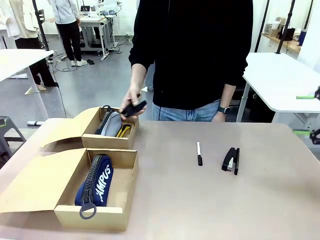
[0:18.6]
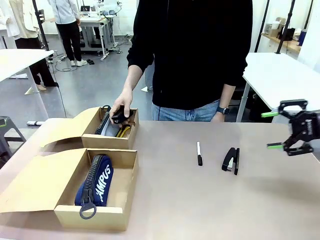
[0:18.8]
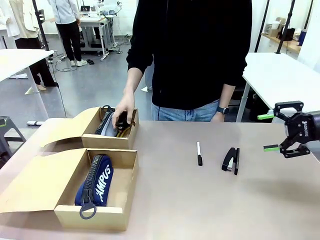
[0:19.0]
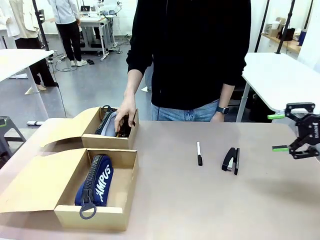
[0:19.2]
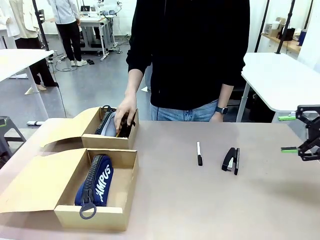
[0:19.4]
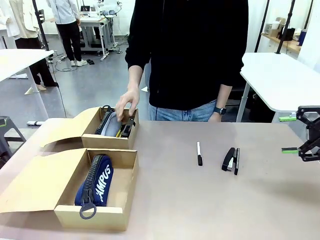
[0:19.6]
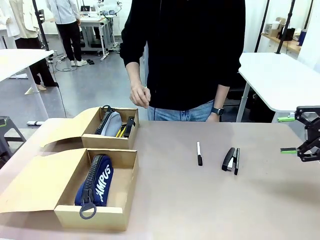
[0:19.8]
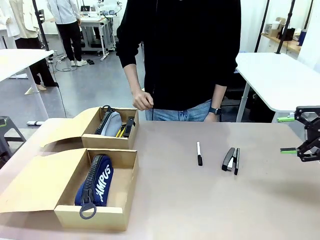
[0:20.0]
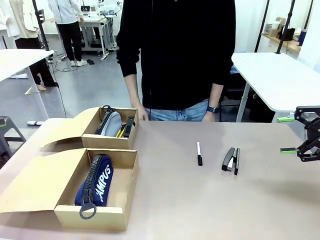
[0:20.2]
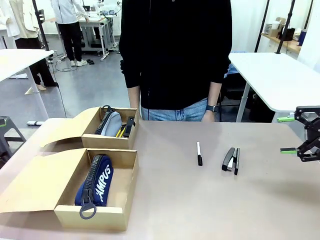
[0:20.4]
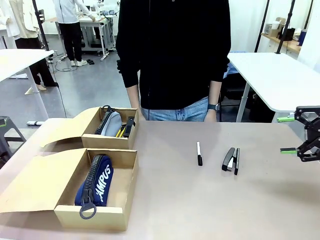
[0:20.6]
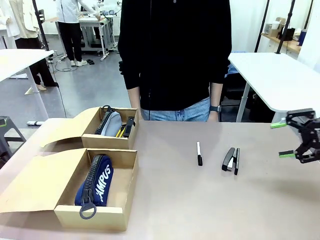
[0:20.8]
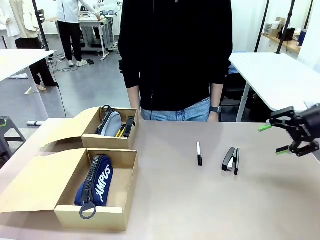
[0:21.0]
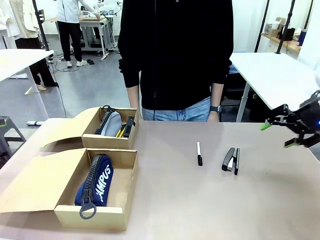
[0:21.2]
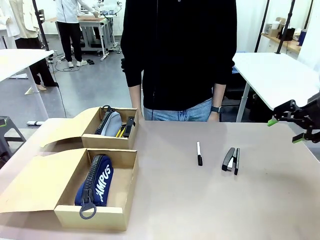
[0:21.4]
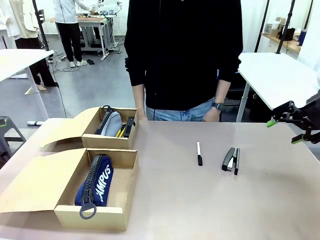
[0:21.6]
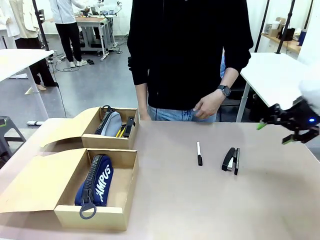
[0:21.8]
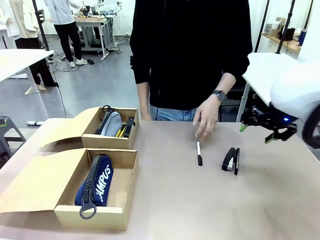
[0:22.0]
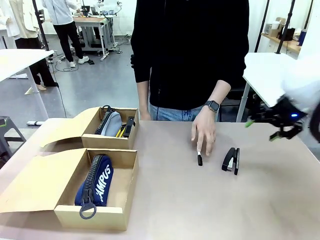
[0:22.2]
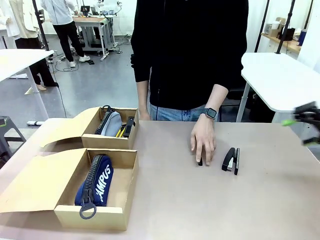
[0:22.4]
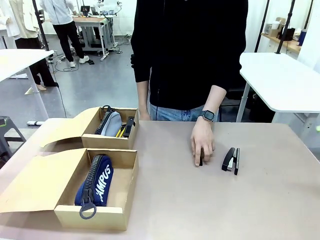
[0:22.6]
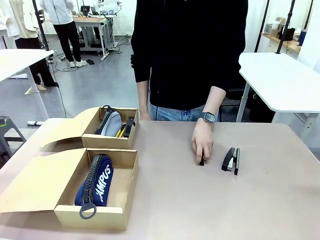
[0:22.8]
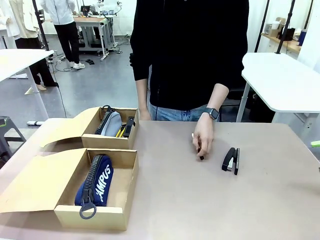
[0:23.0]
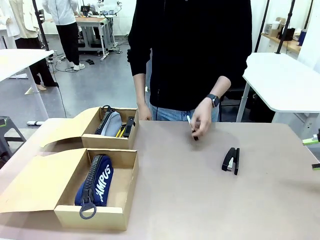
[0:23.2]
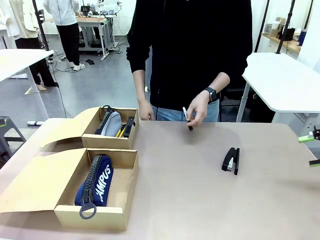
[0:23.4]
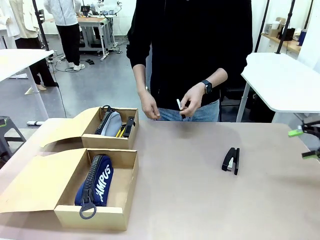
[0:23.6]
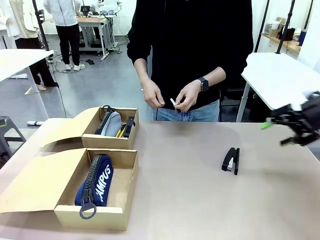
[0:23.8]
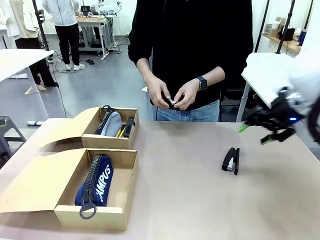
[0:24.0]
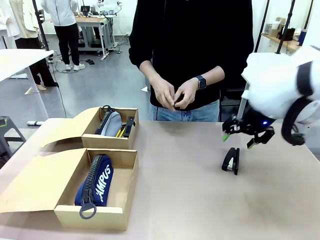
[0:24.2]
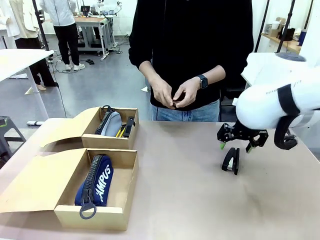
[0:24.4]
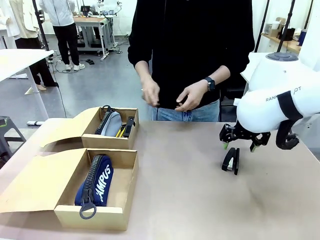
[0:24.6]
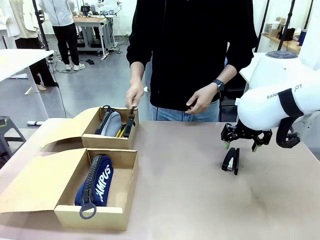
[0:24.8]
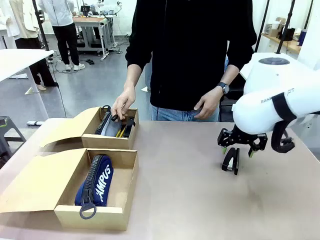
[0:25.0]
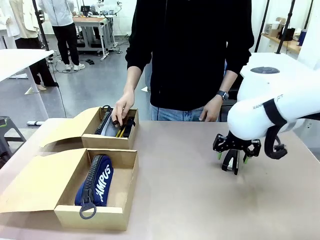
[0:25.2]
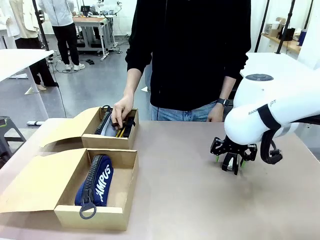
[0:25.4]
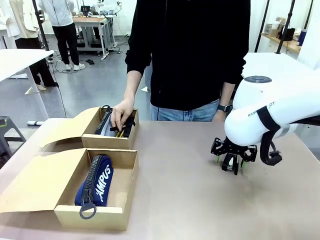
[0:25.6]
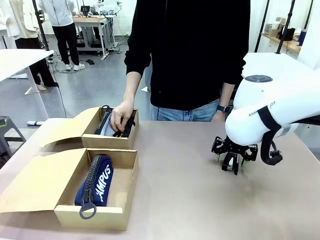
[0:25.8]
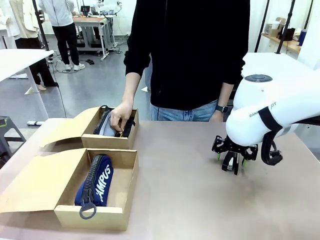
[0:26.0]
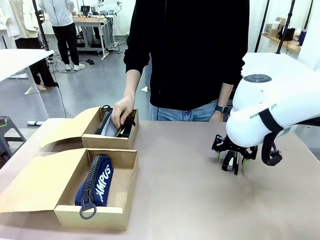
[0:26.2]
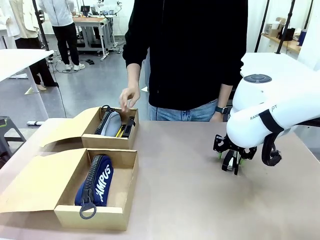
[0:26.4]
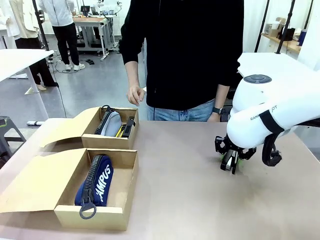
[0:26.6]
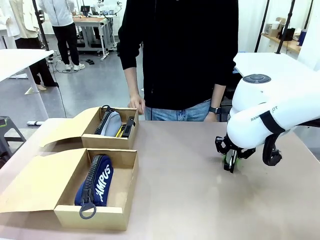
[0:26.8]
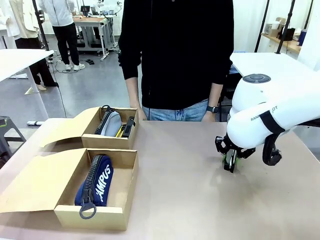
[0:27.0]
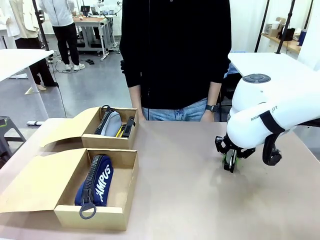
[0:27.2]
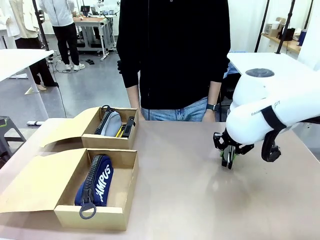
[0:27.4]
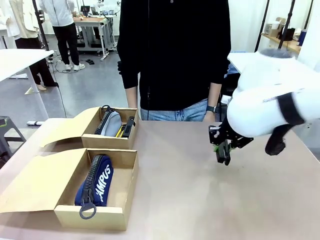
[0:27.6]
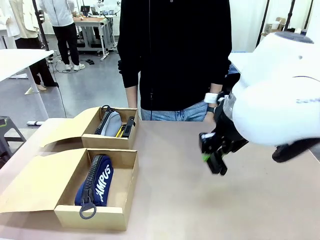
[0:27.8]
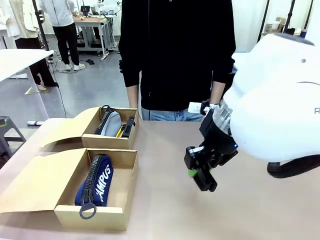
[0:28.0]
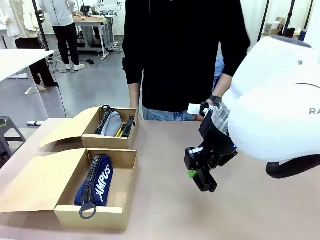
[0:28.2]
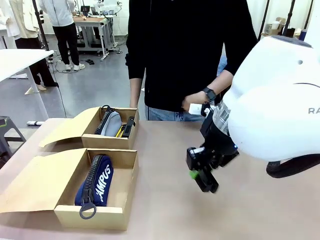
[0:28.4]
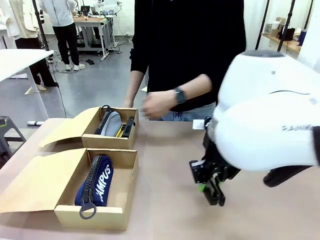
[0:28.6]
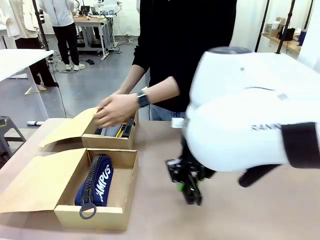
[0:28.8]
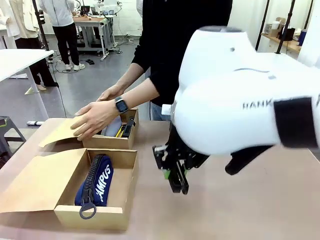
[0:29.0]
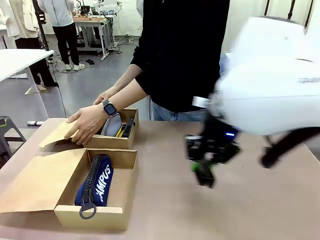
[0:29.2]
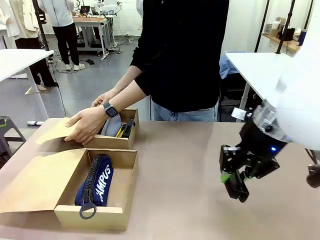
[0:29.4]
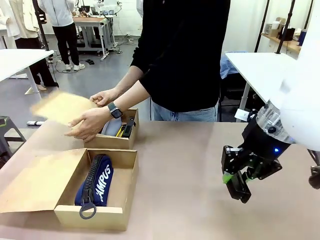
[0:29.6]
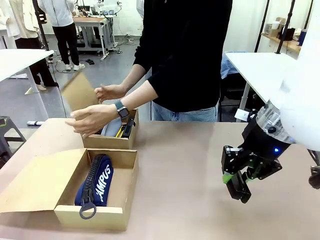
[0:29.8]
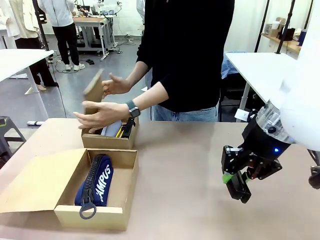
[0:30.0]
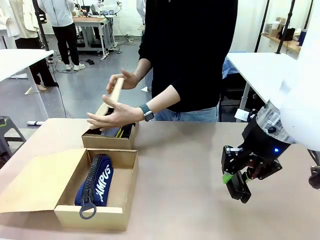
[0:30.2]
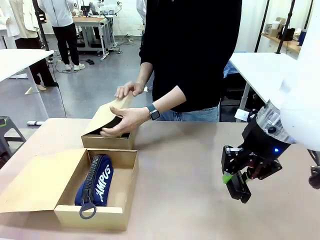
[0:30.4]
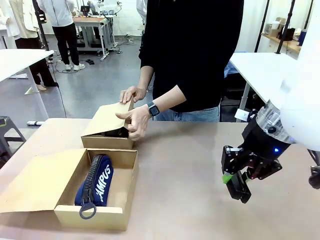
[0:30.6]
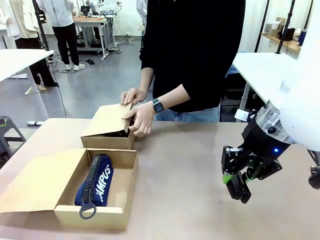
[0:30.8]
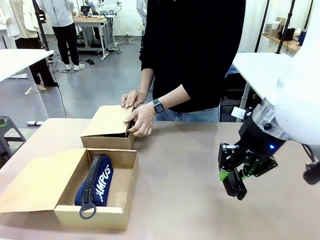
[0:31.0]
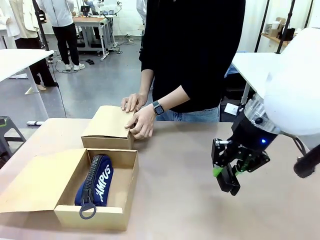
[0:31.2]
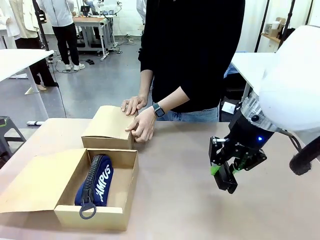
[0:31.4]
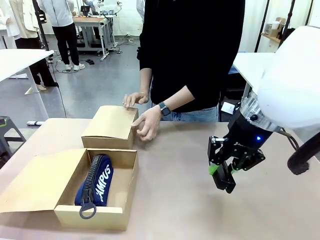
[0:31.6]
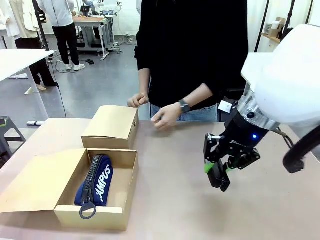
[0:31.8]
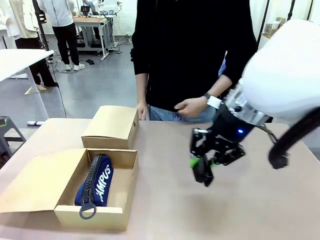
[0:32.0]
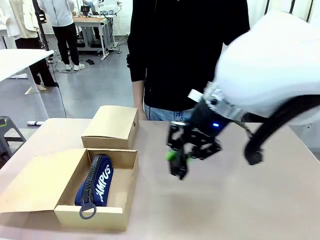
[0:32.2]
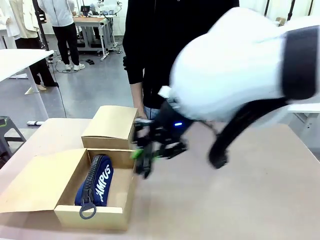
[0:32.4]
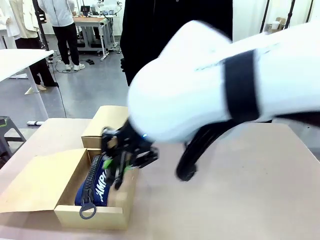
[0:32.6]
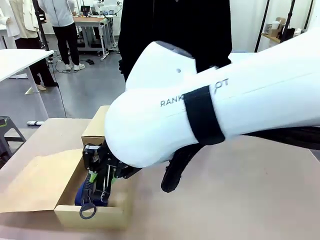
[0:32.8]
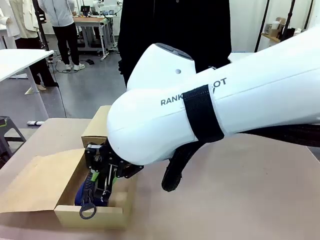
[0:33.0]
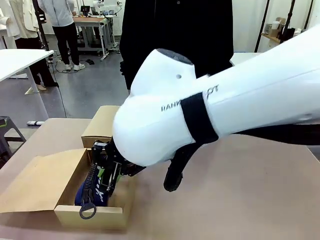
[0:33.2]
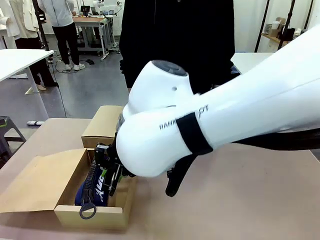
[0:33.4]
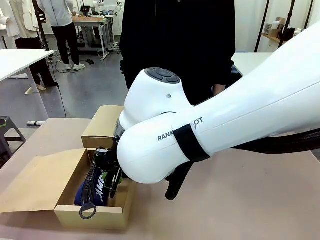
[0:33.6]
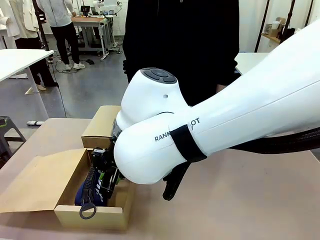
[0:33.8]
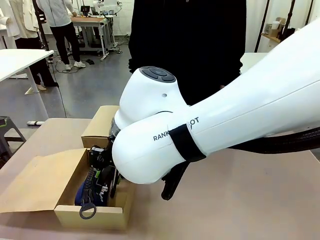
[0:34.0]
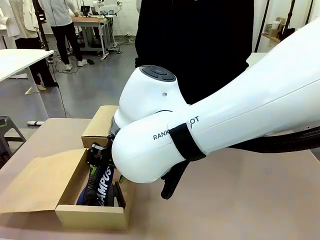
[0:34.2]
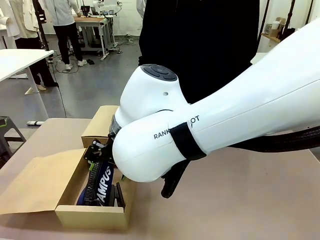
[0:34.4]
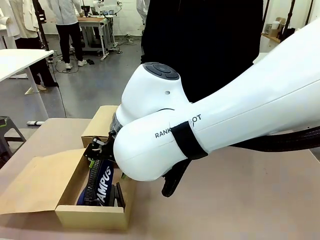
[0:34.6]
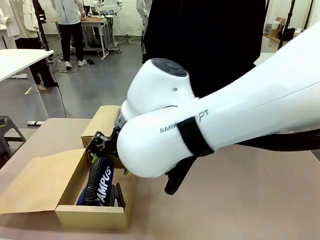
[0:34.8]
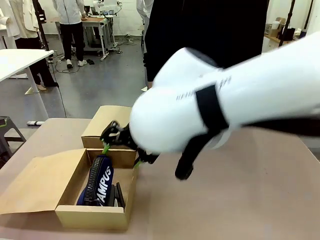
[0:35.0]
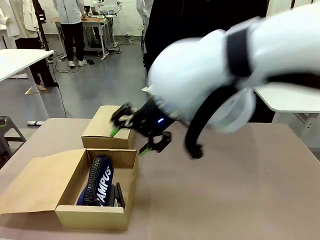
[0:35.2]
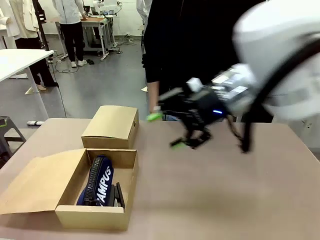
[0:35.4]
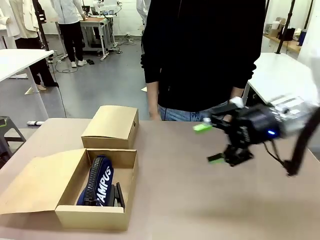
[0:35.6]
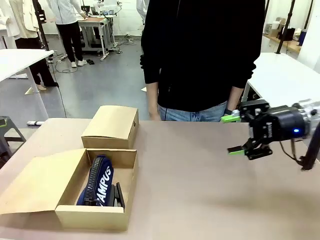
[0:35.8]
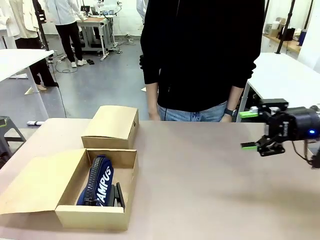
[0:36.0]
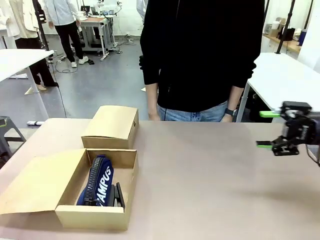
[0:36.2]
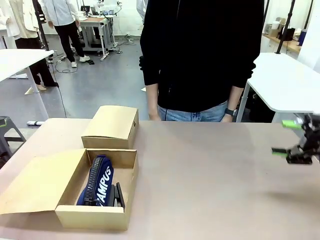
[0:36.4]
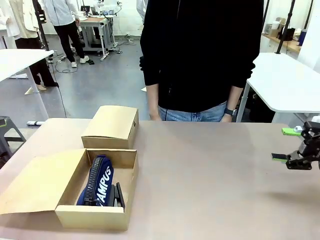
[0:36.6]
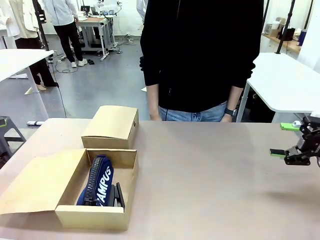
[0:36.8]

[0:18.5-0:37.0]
Task: Place items inside the box.
Robot: Pick up a Pencil pouch or Stapler and place it inside the Mailer Box closest to the robot.
Person: Close the lid of the box facing the person.
